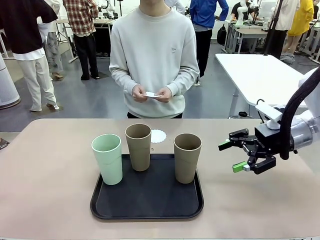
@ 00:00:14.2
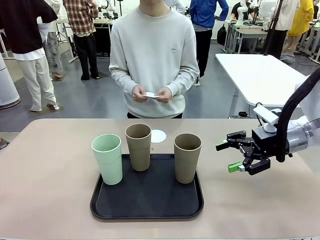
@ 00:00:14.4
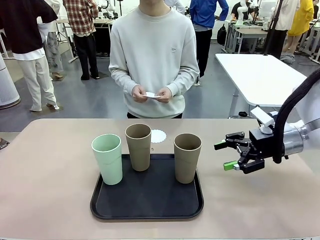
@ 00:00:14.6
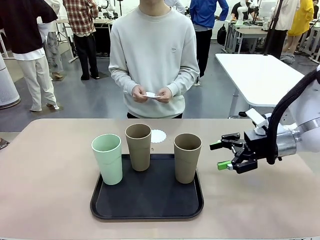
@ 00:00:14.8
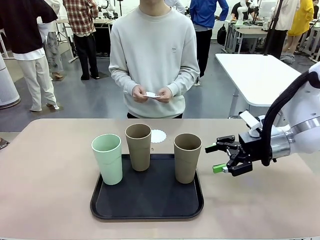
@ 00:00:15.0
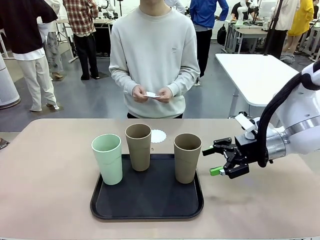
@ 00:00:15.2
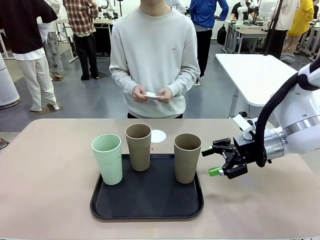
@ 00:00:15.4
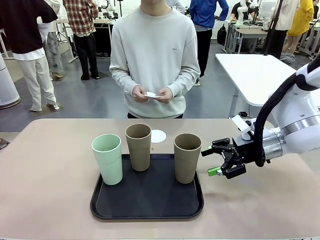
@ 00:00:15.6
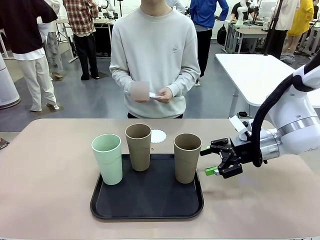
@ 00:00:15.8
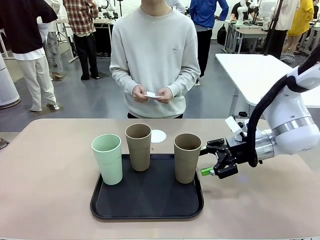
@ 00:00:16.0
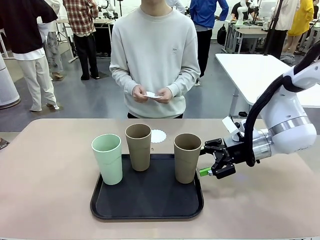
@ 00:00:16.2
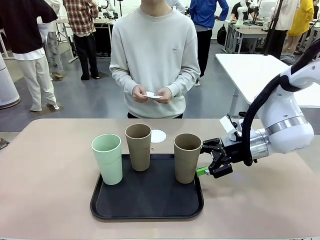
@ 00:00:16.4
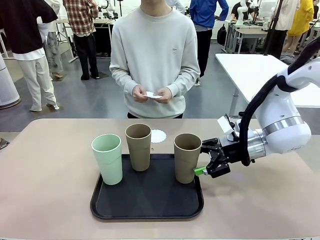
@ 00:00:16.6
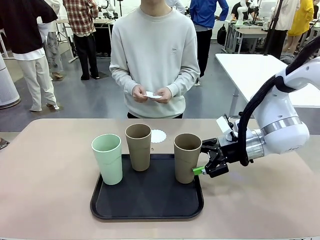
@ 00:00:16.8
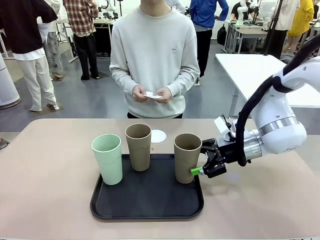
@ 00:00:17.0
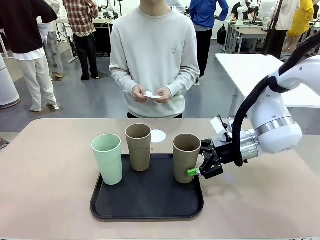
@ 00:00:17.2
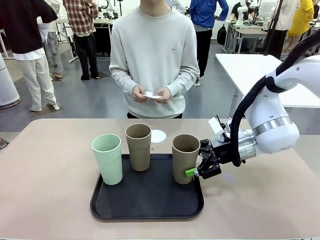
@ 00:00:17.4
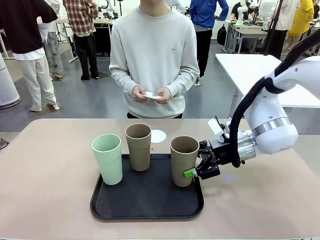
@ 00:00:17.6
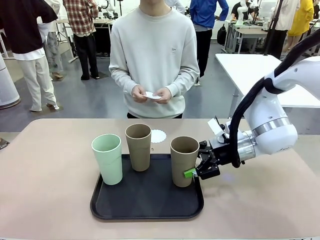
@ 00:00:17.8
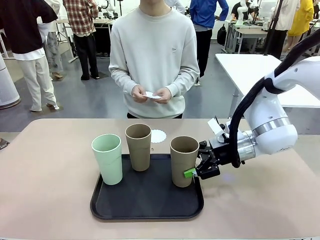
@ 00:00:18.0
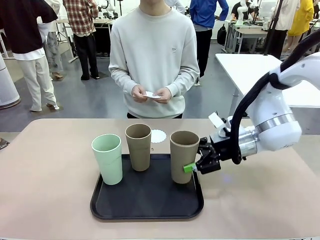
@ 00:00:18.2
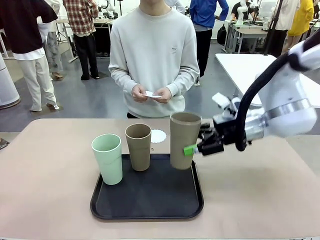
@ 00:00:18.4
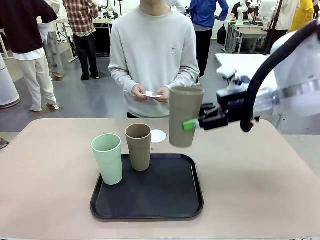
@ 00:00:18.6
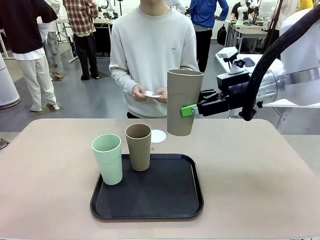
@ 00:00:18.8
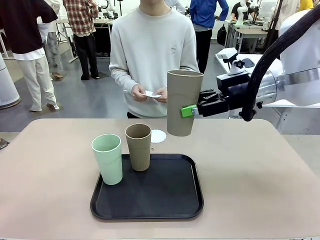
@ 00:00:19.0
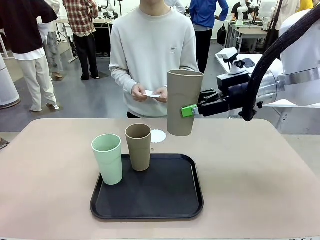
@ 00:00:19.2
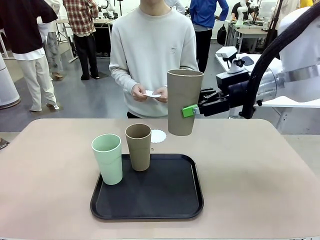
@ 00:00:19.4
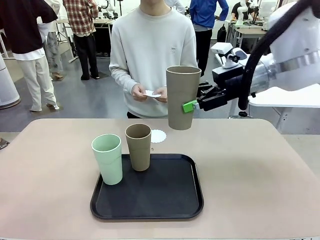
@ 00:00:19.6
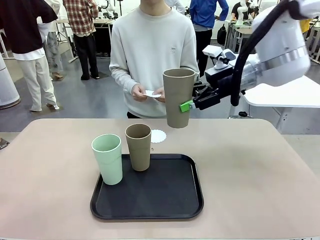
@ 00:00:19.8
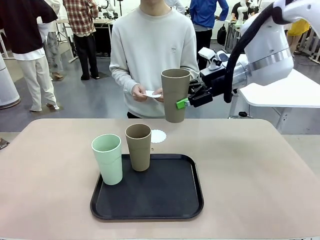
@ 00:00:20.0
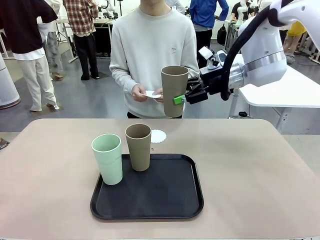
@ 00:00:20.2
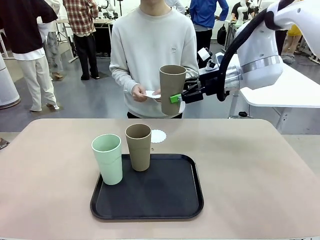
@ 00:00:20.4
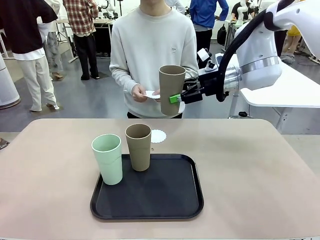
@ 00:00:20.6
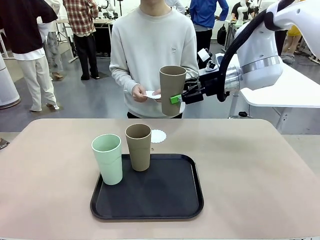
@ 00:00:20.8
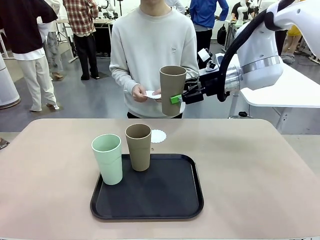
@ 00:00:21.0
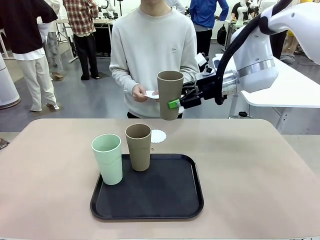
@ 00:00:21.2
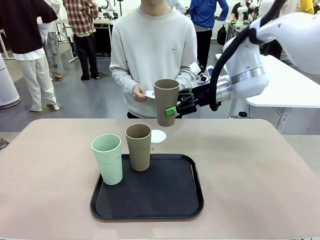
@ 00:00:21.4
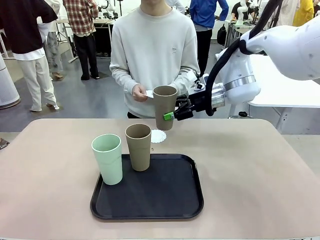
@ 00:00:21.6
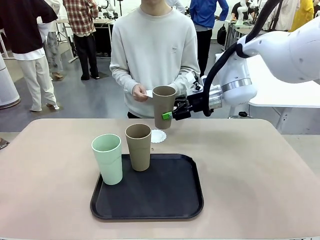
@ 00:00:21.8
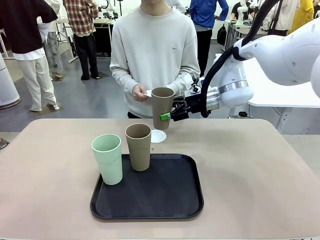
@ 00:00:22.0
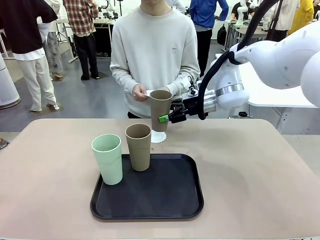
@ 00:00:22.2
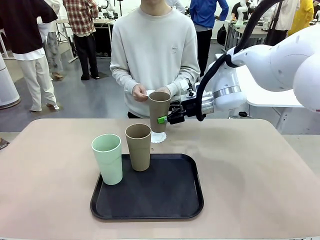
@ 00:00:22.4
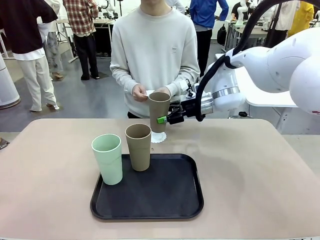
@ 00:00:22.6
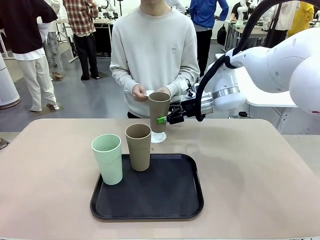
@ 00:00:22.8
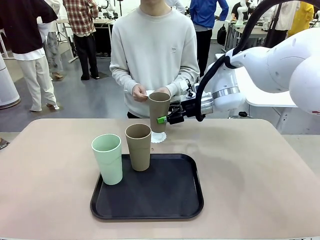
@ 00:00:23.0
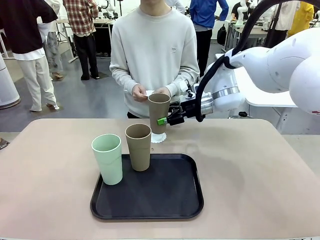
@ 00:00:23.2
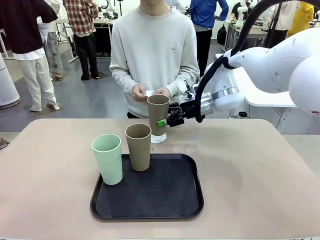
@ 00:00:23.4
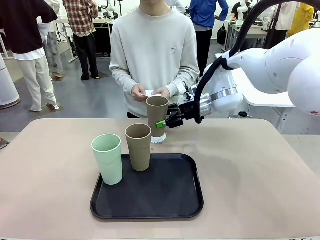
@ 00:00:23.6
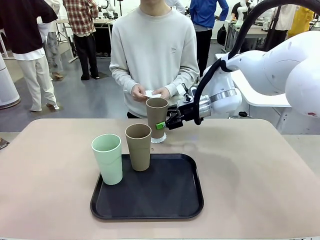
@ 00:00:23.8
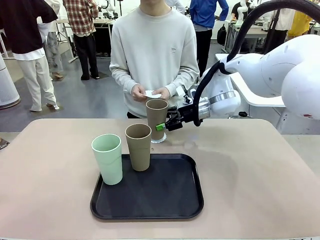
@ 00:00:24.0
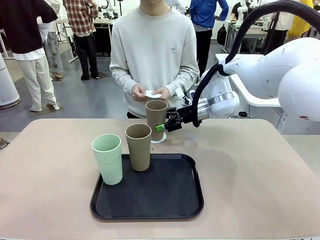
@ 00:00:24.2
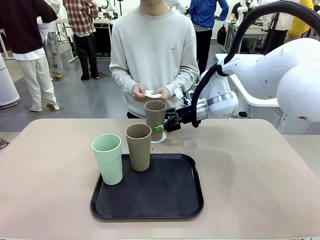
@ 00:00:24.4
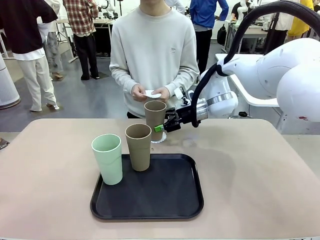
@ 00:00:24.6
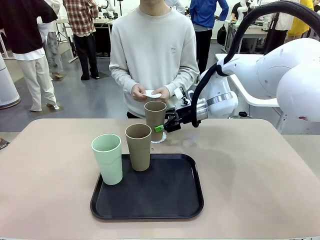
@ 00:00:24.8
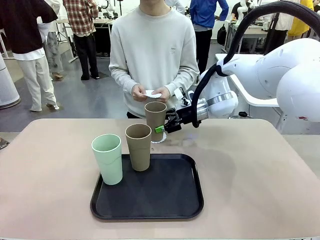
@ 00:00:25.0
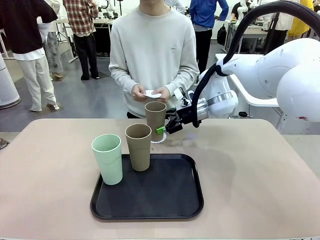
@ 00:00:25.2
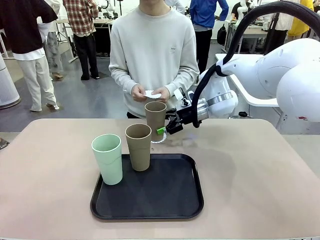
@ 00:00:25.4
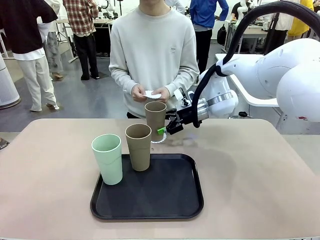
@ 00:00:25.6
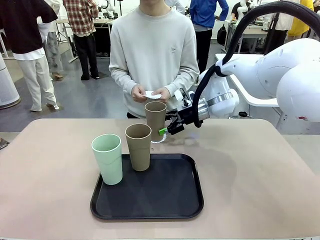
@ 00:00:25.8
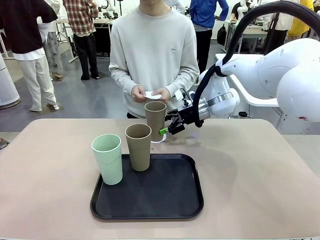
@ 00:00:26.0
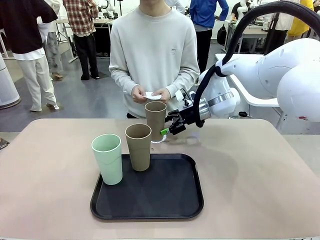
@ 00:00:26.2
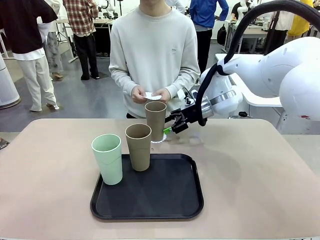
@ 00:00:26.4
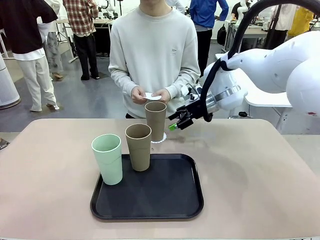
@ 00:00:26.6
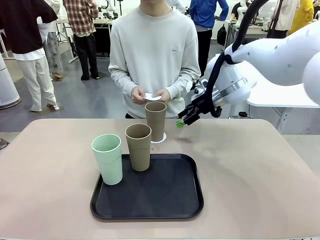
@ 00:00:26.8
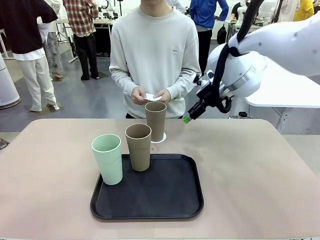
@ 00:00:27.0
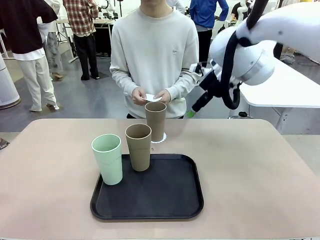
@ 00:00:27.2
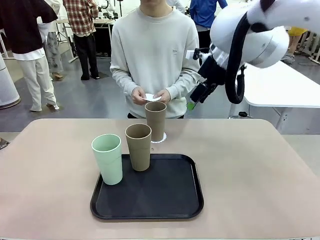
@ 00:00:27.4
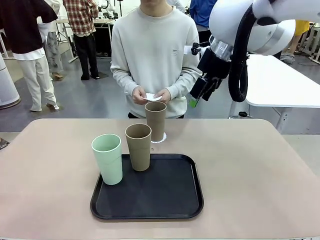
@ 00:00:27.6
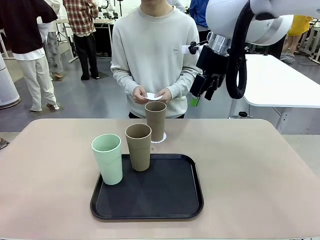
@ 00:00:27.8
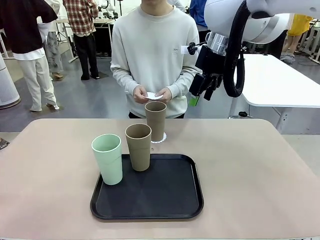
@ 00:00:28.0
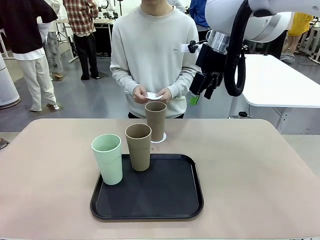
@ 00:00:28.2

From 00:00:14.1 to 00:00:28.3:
Task: Place coasters on the table and set cups on them.
Robot: Pick up one Reusable plastic cup and place it on a coaster set by the human.
Person: Place one coaster in one of the two areas excluding the previously selected area.
